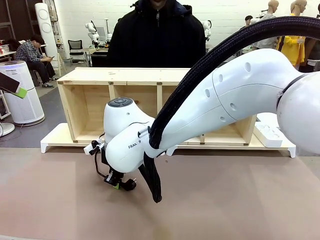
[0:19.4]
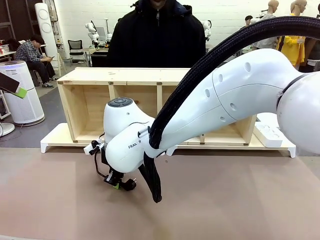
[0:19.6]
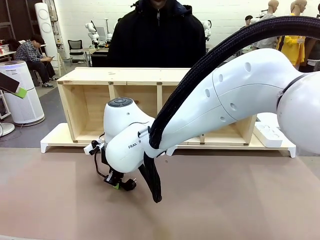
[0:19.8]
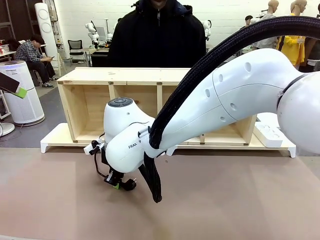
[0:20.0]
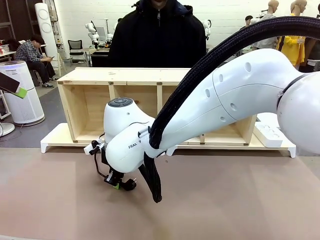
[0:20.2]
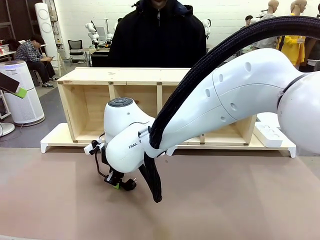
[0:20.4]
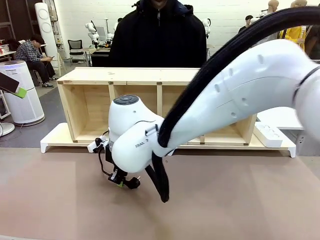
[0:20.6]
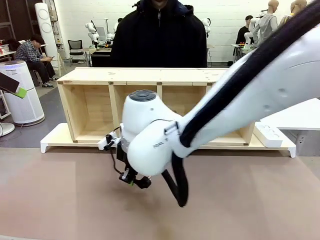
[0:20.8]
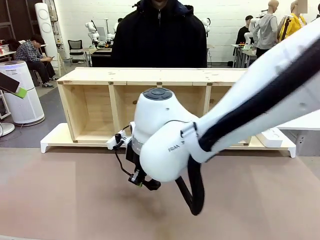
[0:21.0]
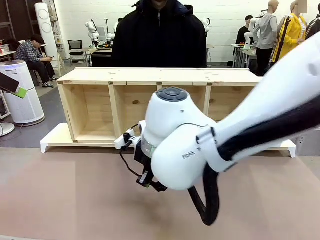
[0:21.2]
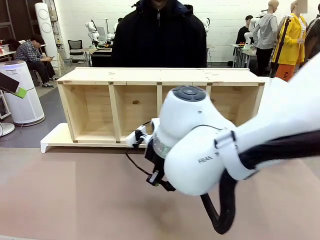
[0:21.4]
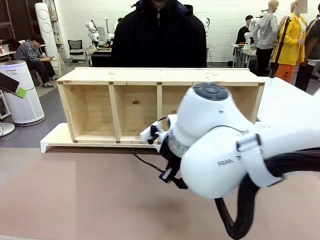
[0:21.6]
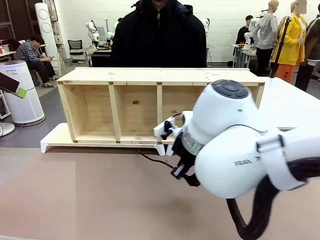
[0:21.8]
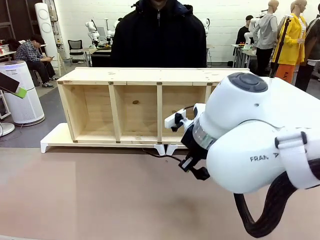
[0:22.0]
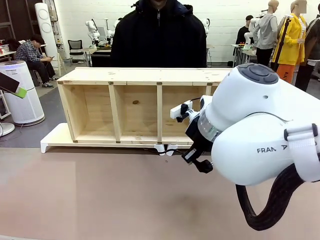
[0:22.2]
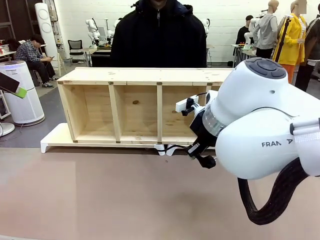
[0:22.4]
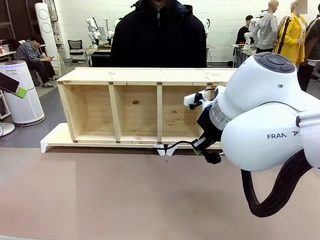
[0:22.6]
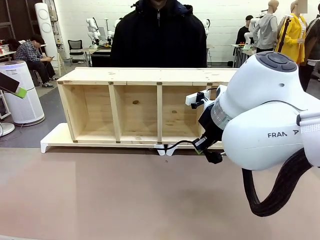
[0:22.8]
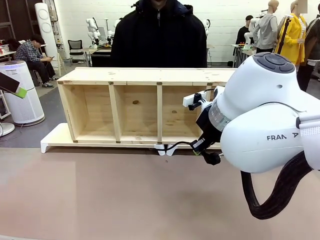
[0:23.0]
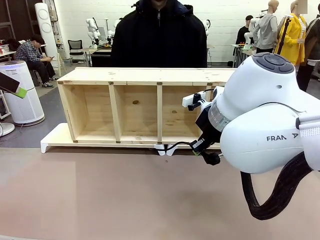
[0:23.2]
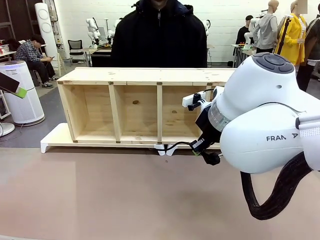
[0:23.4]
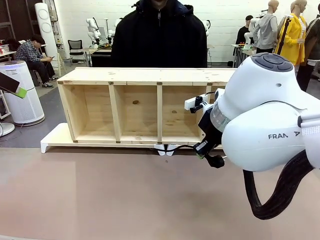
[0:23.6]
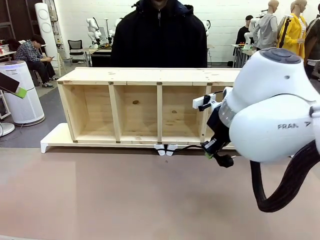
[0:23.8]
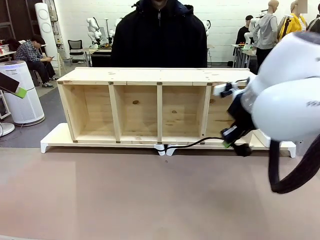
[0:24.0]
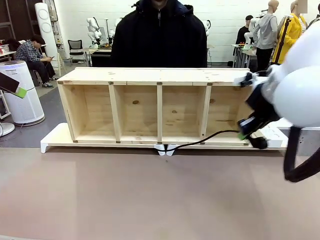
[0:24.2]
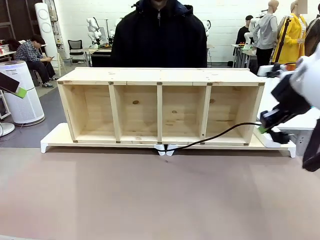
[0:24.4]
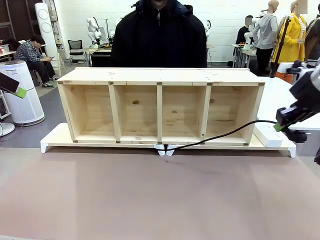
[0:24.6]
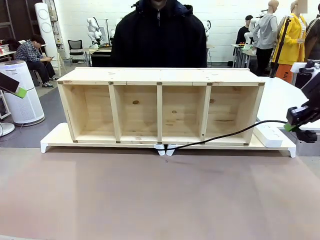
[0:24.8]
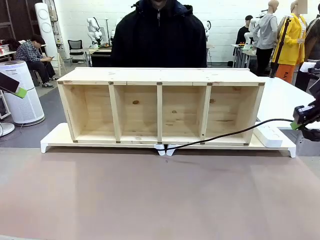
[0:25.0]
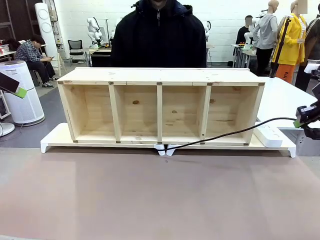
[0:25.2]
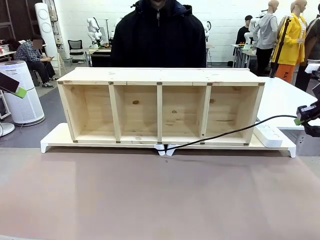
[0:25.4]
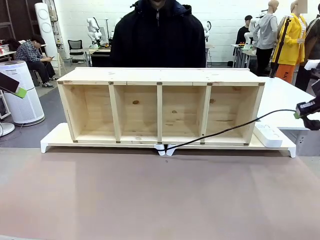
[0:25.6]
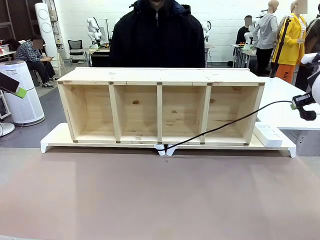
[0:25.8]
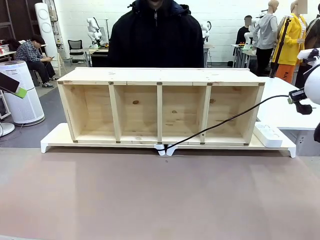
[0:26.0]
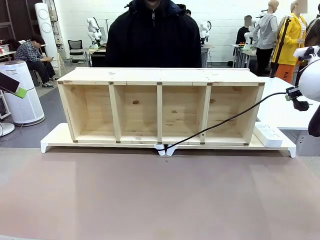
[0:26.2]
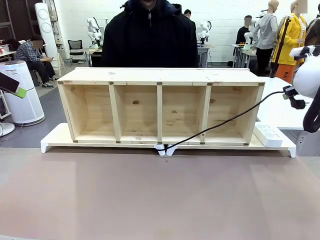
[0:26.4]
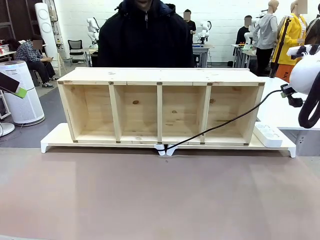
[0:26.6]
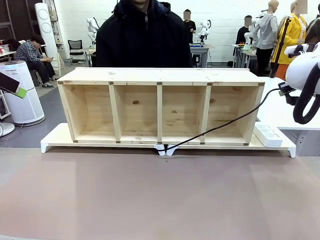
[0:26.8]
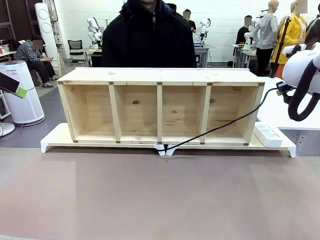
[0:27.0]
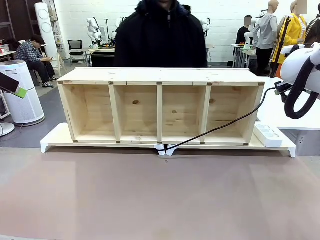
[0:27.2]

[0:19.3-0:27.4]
Task: Perform cable management.
Robot: Pull the grasped Power Cable to the location of the Power Strip.

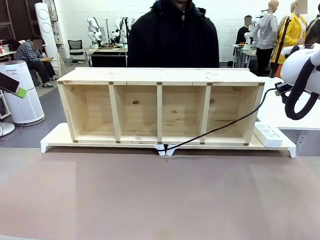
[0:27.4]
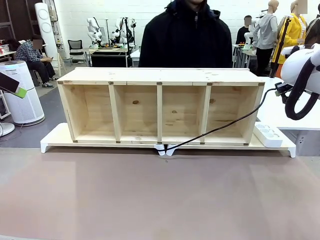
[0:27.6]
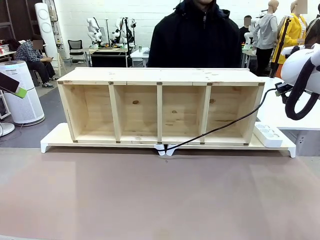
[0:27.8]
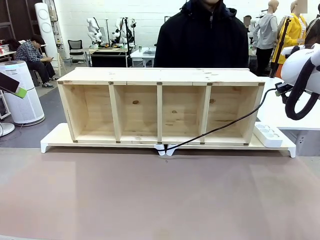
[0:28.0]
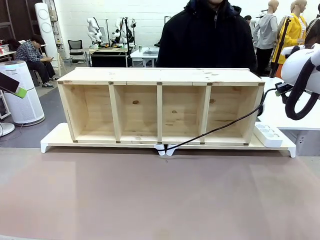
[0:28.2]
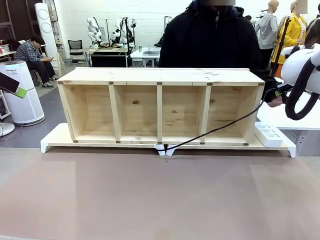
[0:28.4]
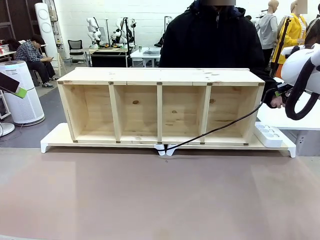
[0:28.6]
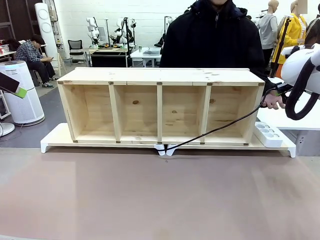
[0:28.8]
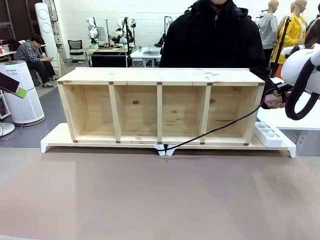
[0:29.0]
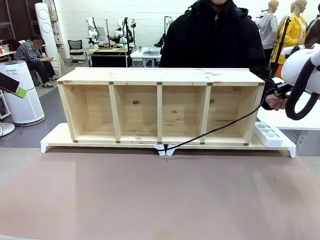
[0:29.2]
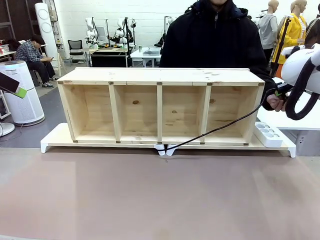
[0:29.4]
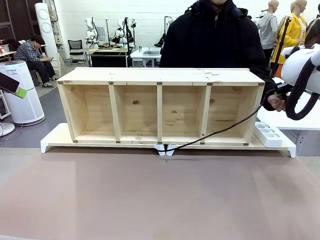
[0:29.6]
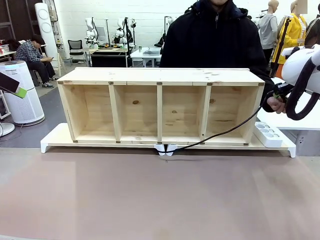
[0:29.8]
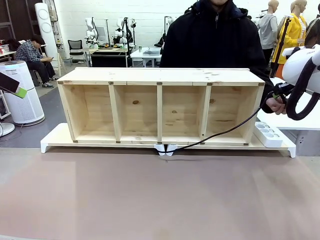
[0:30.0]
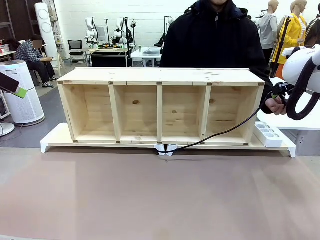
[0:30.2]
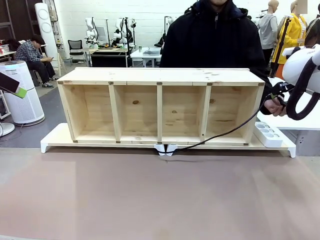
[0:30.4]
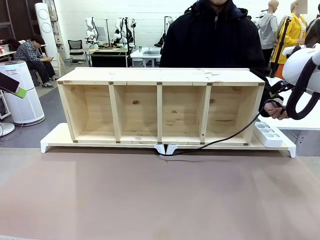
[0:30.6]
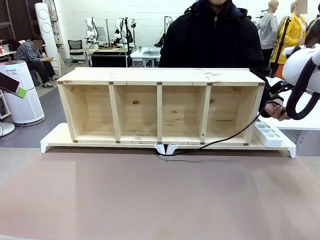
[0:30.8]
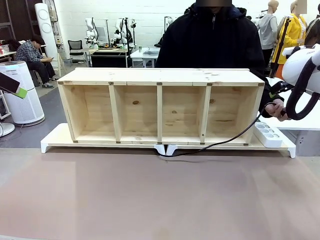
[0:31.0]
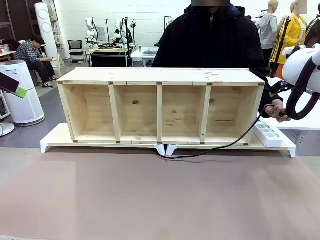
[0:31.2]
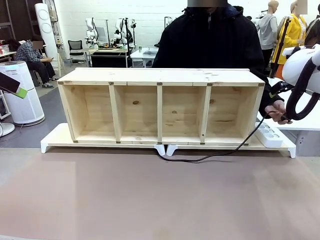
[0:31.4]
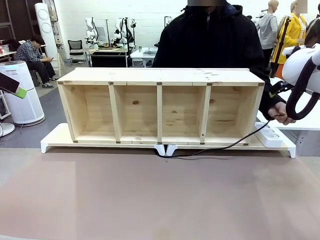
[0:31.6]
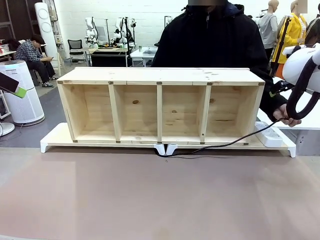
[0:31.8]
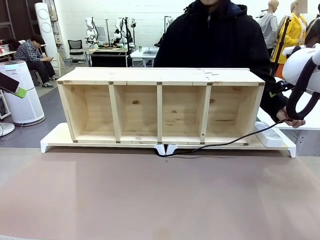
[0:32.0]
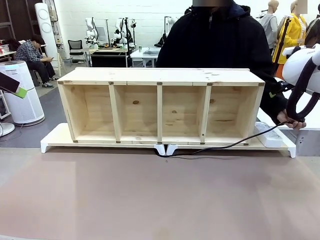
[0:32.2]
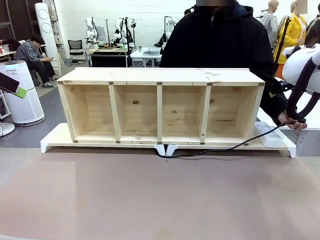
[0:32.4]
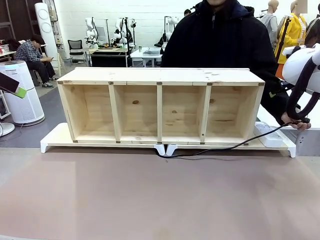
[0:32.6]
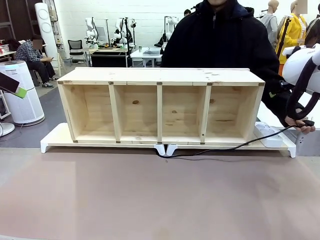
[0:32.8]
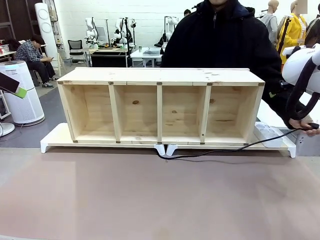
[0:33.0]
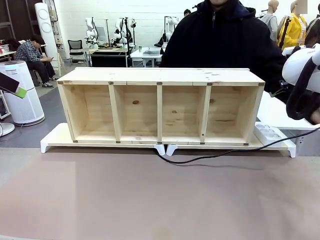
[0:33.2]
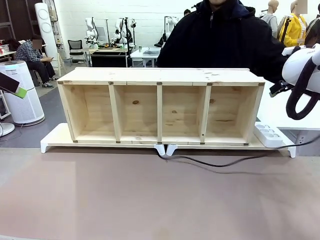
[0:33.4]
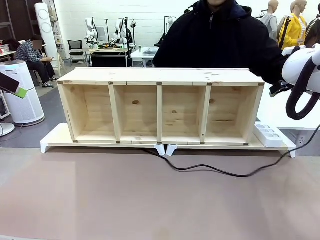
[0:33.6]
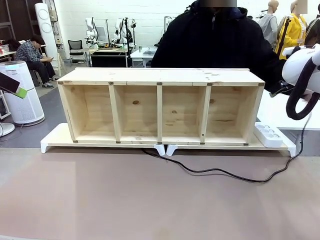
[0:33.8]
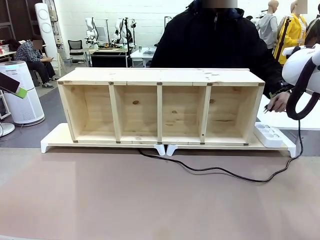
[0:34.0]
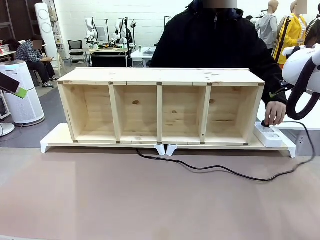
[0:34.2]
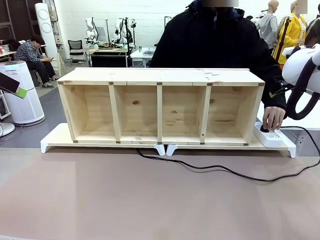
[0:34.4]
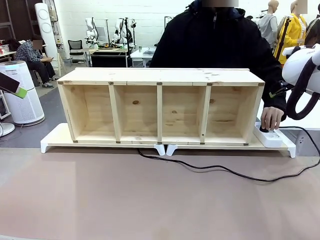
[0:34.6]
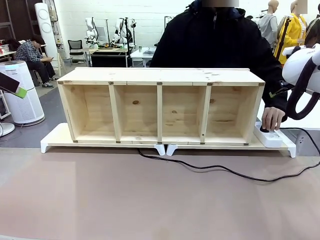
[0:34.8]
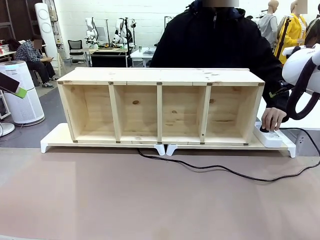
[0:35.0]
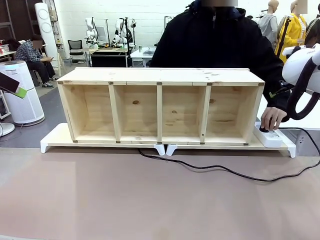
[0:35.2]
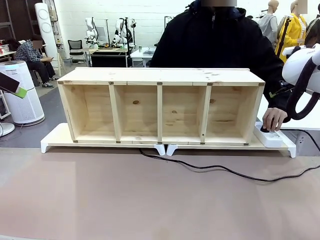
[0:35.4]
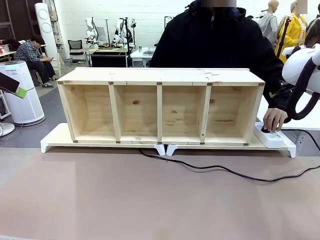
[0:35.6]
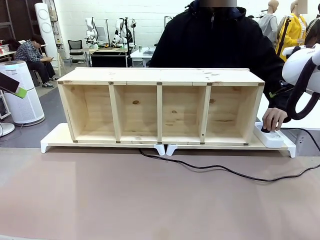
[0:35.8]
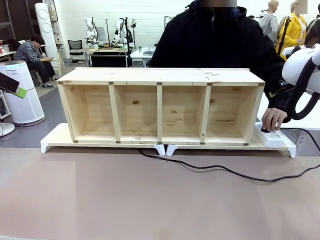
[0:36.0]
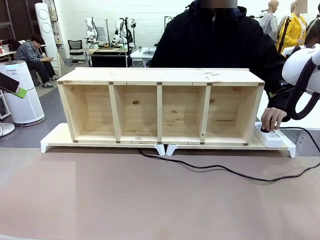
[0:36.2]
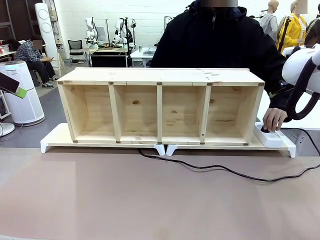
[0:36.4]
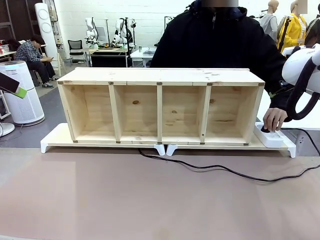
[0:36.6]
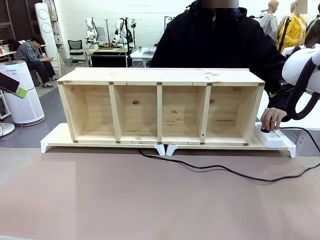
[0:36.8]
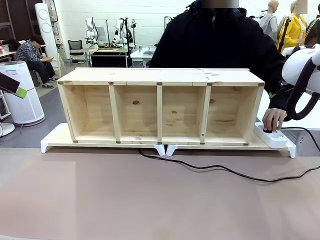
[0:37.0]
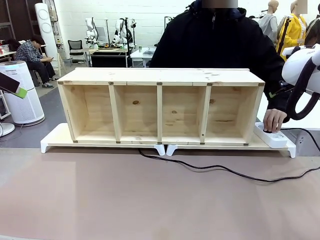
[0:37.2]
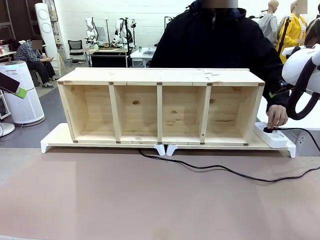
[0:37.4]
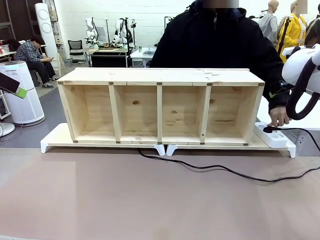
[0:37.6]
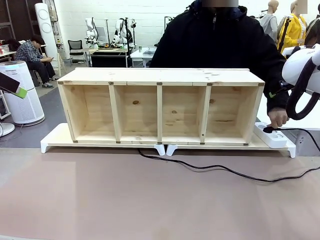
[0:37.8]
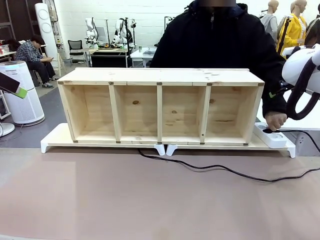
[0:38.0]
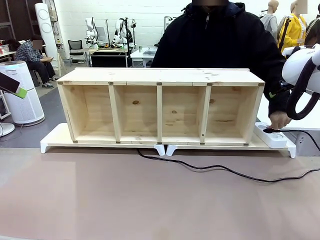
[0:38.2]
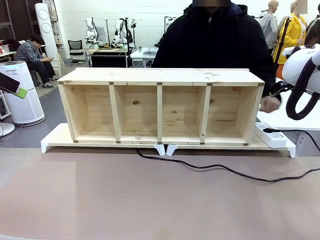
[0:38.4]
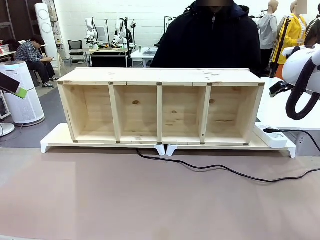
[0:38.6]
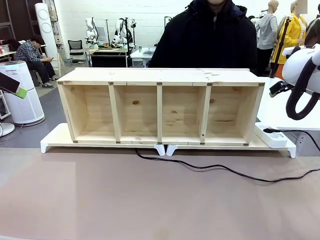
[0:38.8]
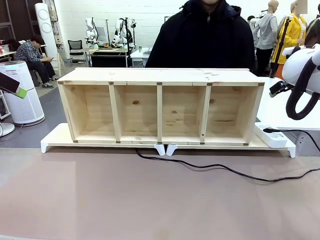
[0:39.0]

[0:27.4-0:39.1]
Robot: Release the Power Cable when the human grasps it.
Person: Plug the Power Cable into the Power Strip.
